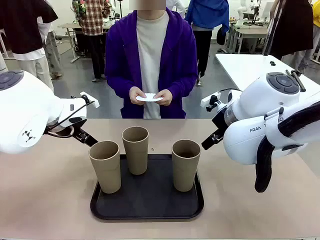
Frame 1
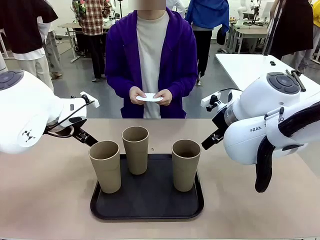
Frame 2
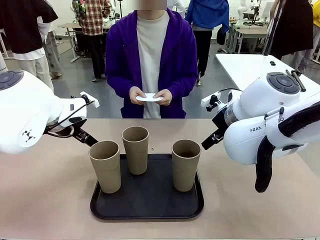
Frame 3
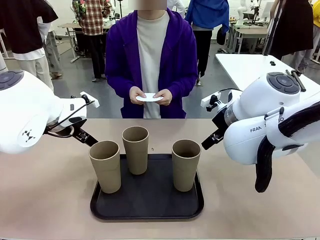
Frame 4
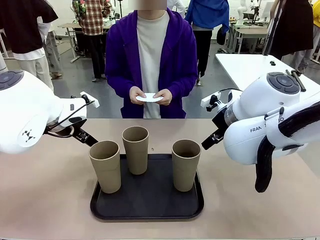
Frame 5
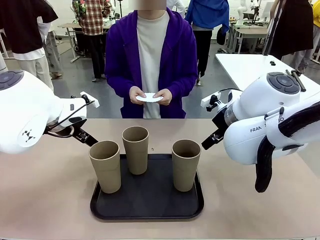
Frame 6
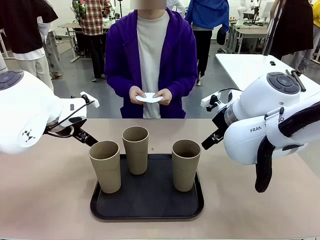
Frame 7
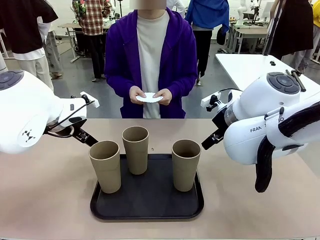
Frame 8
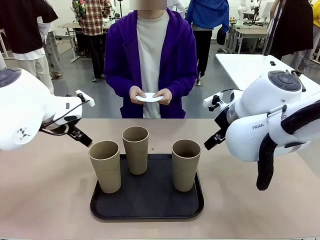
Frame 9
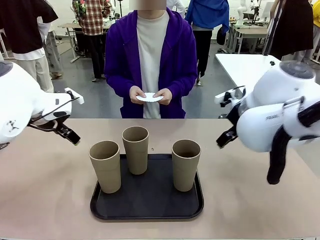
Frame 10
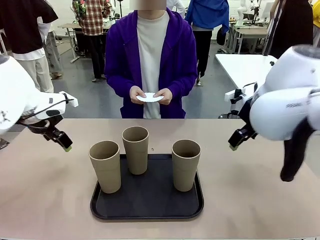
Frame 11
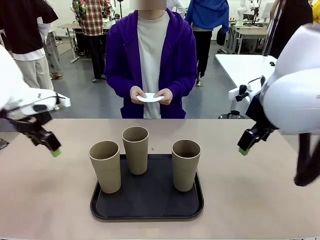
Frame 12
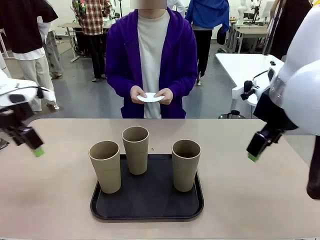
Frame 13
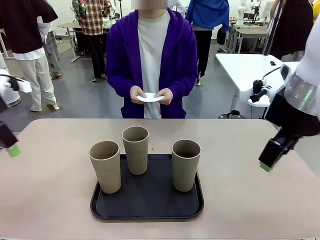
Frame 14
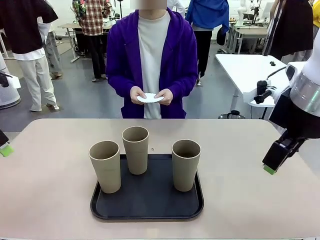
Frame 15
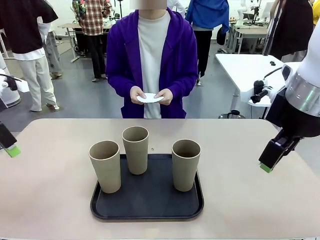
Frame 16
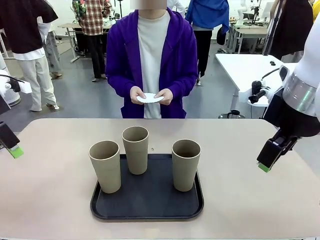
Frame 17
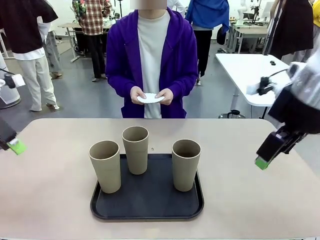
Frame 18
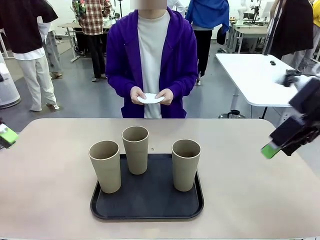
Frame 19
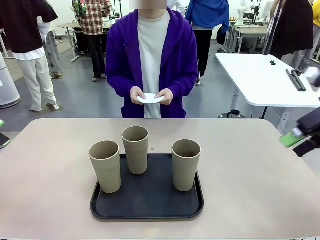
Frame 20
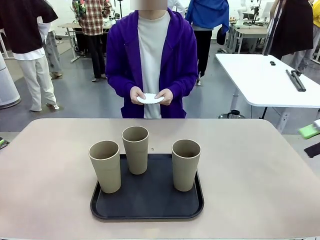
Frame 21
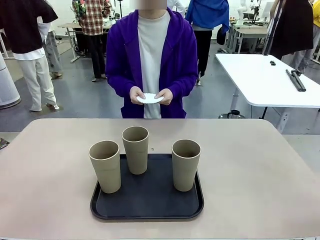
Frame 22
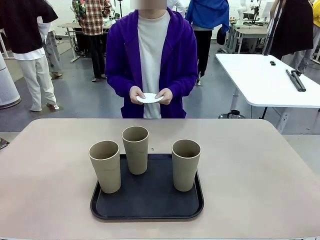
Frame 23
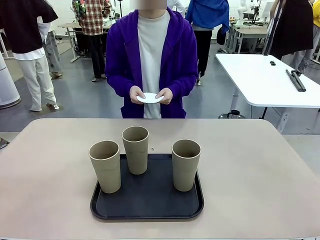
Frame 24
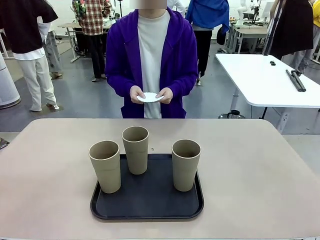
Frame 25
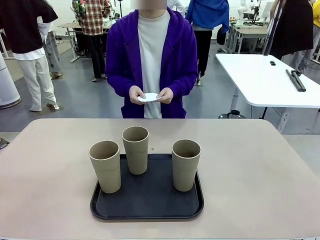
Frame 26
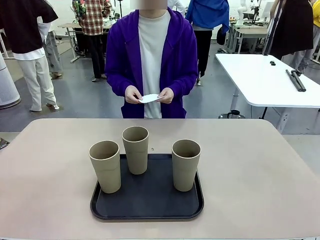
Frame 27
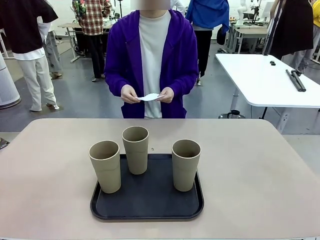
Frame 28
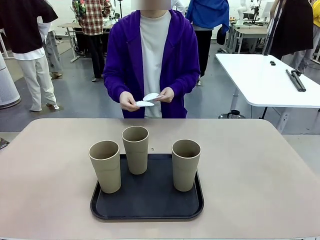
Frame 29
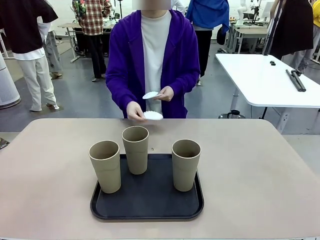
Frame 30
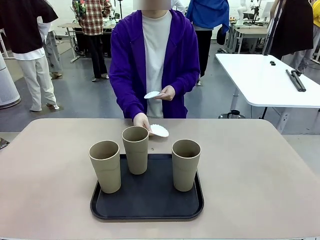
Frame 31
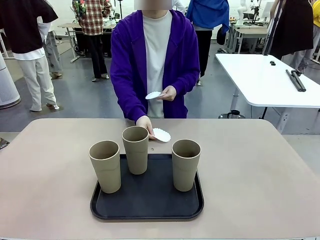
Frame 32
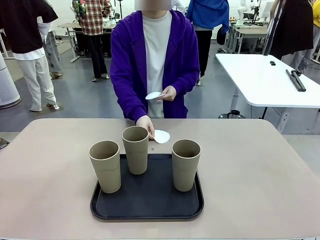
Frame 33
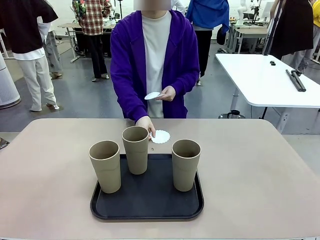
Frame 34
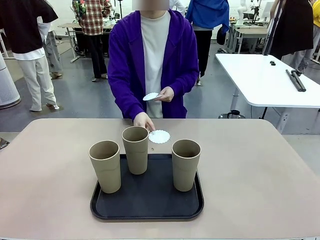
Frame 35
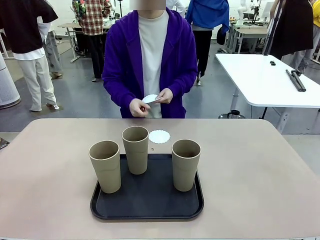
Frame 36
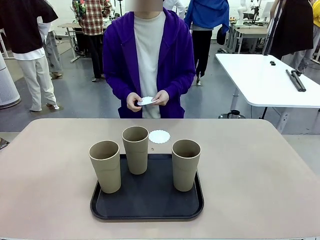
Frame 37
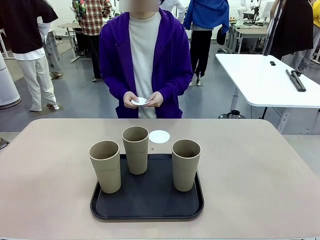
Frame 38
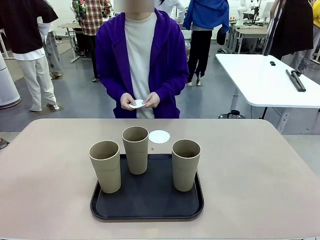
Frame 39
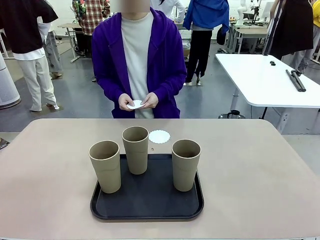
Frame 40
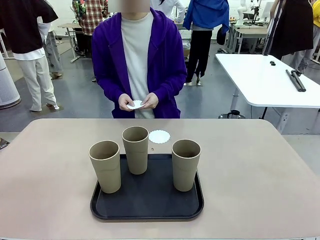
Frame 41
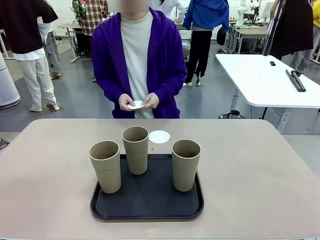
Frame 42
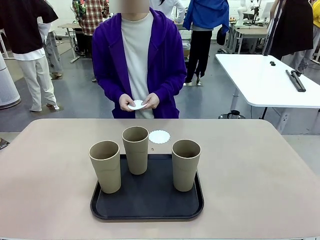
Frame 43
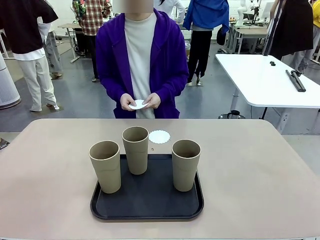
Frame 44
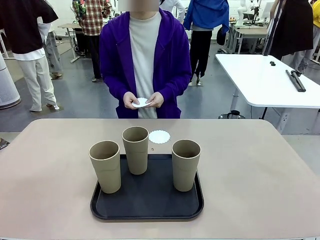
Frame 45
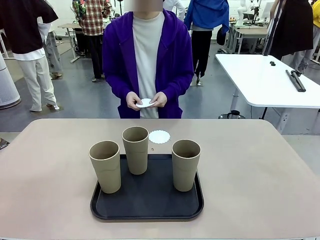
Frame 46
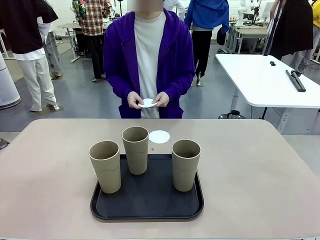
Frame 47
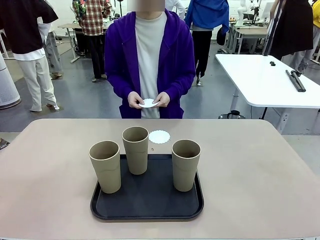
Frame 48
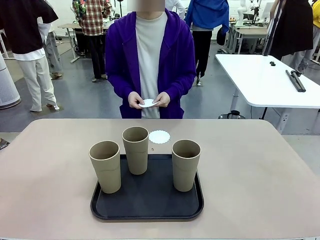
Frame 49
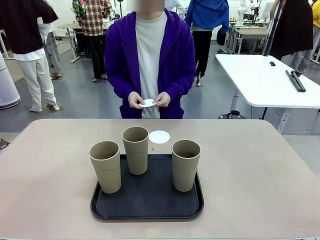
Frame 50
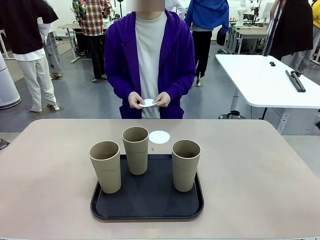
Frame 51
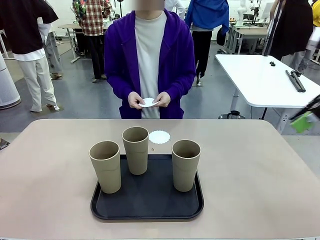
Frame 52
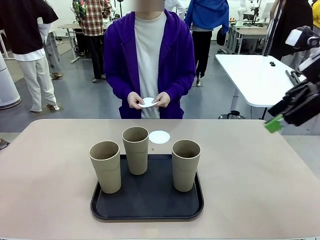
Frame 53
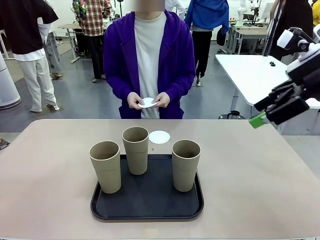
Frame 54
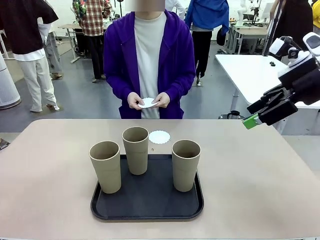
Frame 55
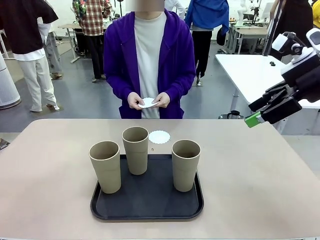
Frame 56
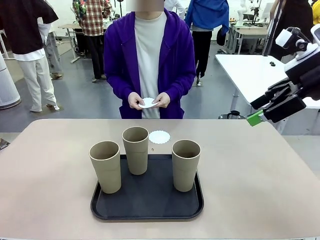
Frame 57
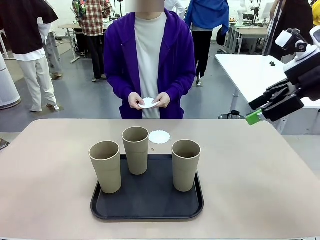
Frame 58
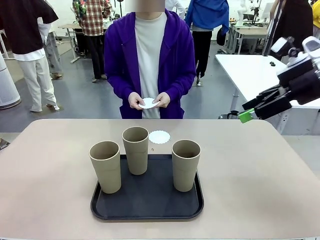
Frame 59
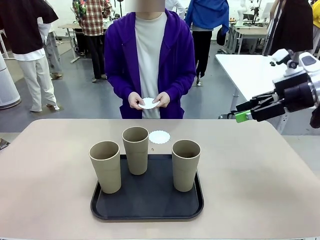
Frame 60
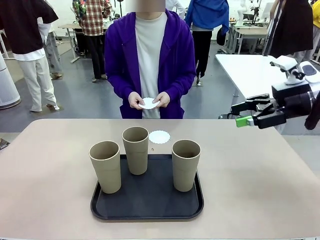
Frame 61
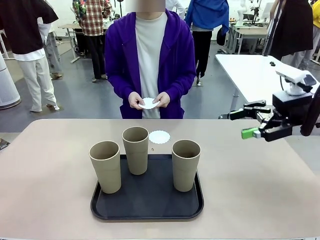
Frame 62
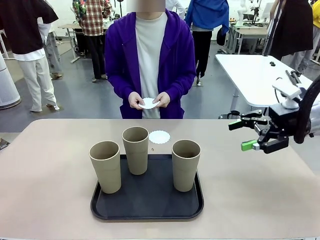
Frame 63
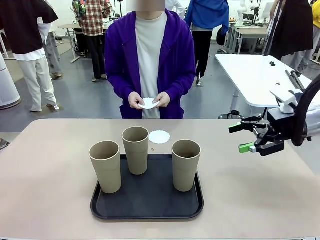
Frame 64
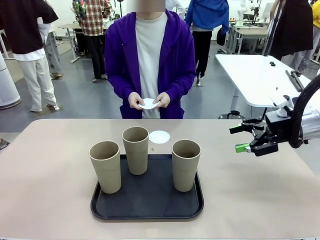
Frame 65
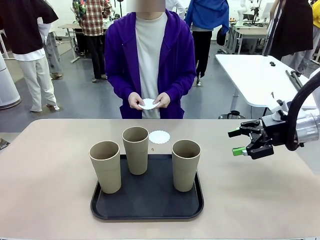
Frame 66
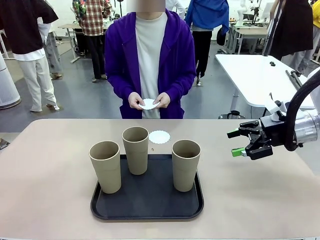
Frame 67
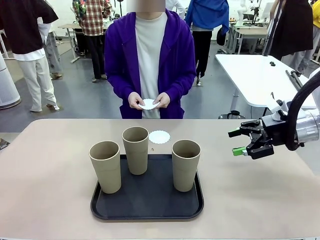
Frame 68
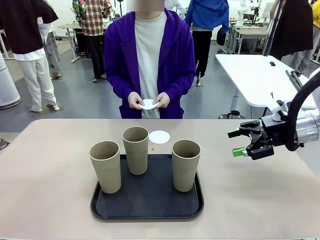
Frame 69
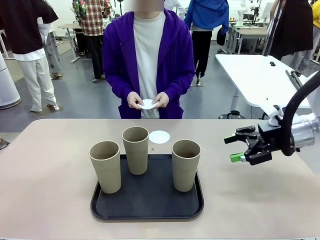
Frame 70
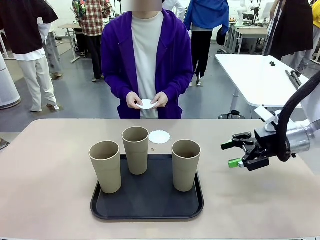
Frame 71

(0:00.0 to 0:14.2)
Task: Place coasters on the table and set cups on them.
Robot: Pick up one Reusable plastic cup and place it on a coaster set by the human.
Person: Place one coaster in any one of the three lower areas of the robot table (left, center, or right).
